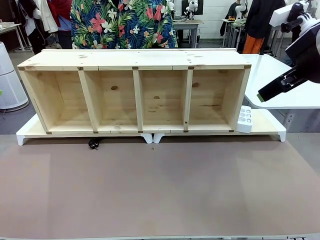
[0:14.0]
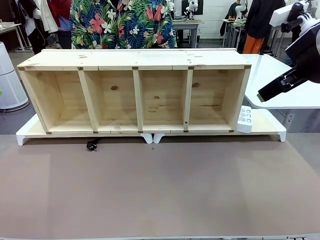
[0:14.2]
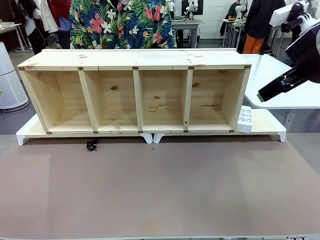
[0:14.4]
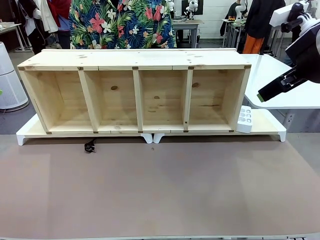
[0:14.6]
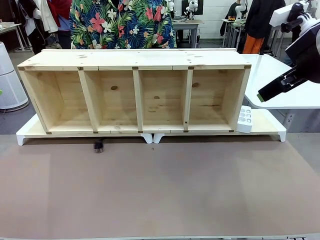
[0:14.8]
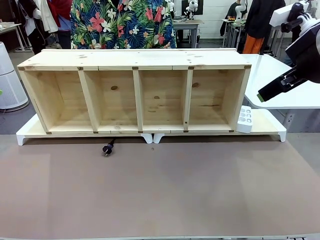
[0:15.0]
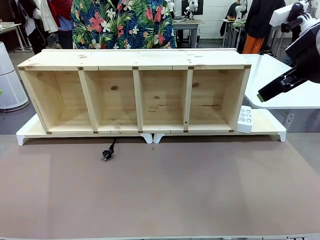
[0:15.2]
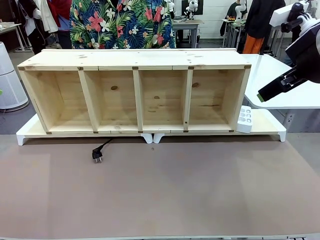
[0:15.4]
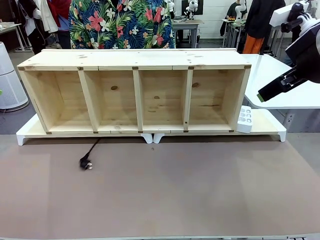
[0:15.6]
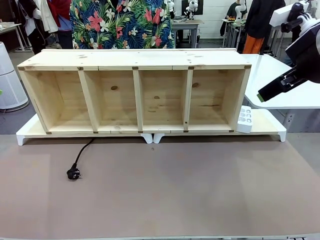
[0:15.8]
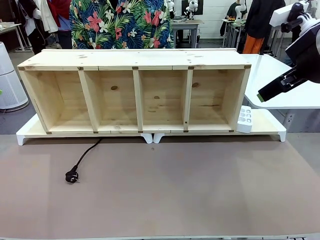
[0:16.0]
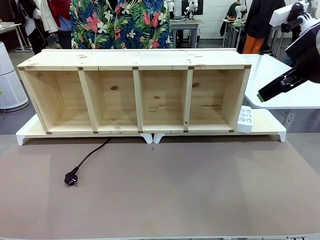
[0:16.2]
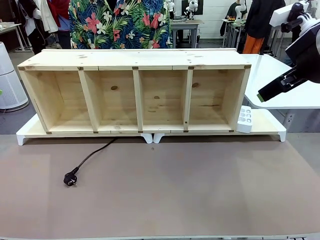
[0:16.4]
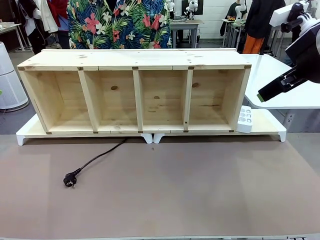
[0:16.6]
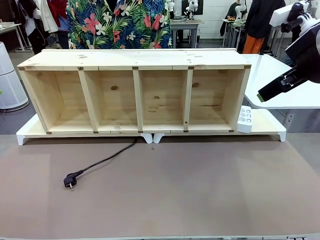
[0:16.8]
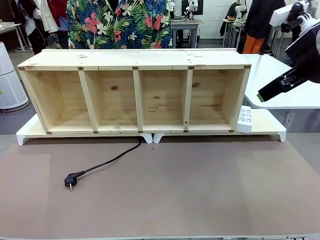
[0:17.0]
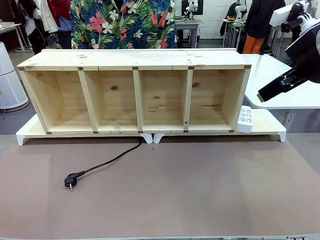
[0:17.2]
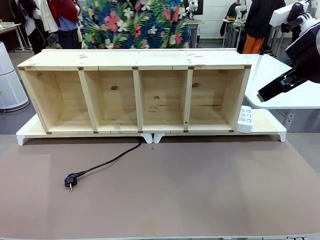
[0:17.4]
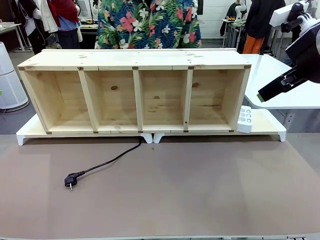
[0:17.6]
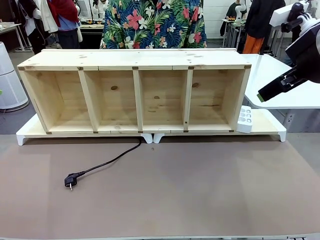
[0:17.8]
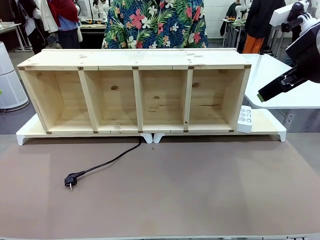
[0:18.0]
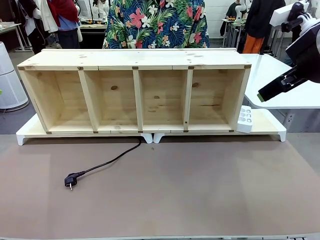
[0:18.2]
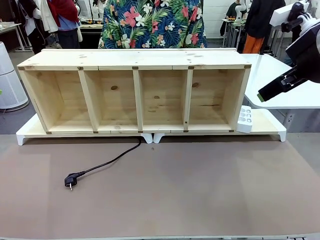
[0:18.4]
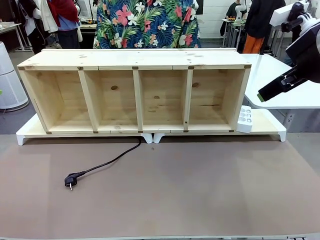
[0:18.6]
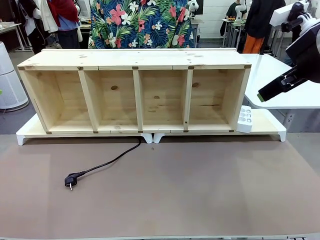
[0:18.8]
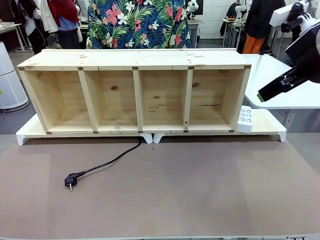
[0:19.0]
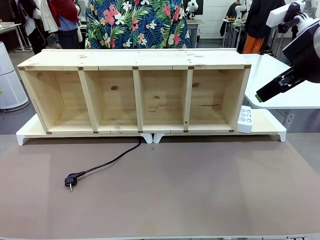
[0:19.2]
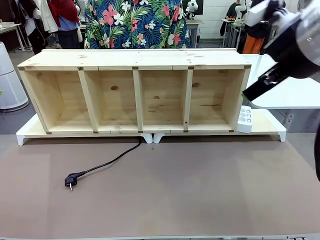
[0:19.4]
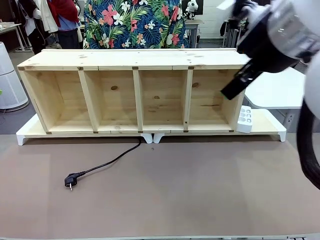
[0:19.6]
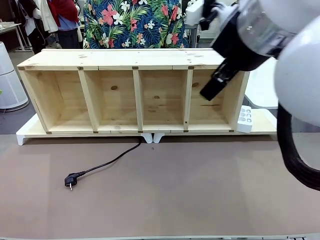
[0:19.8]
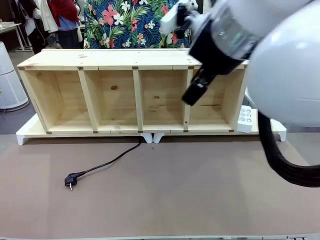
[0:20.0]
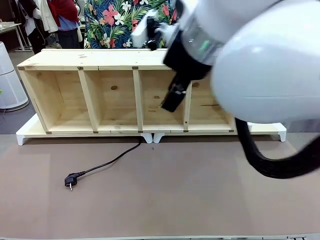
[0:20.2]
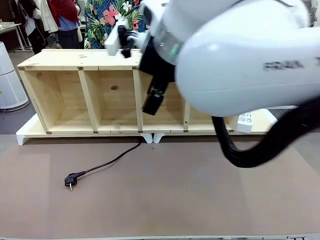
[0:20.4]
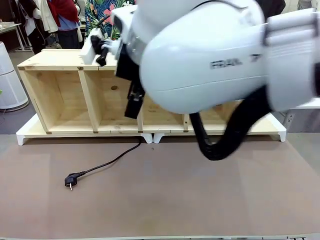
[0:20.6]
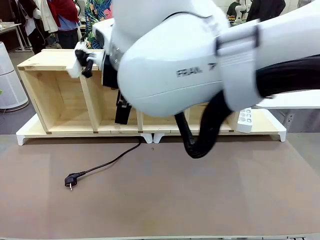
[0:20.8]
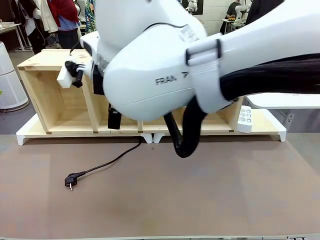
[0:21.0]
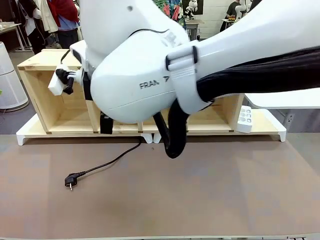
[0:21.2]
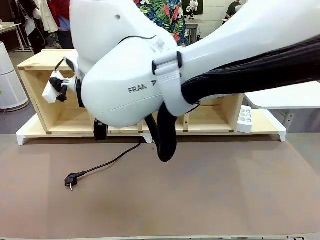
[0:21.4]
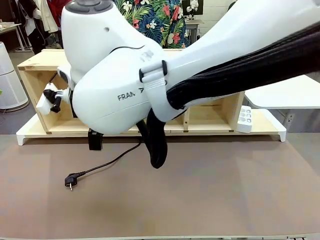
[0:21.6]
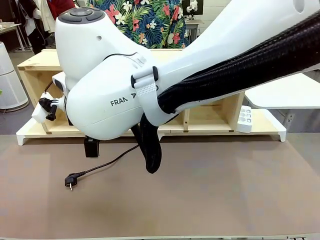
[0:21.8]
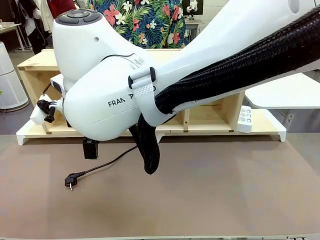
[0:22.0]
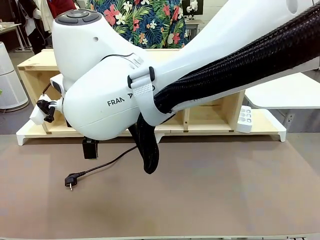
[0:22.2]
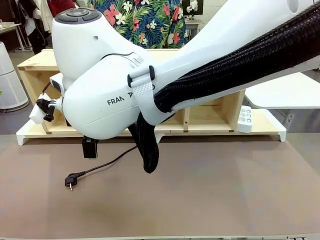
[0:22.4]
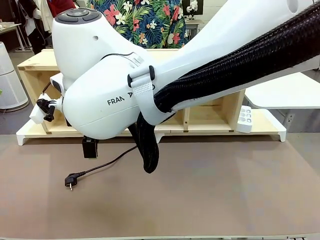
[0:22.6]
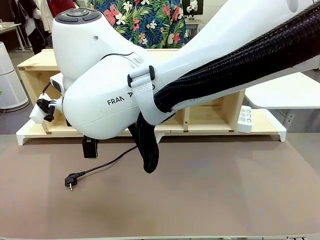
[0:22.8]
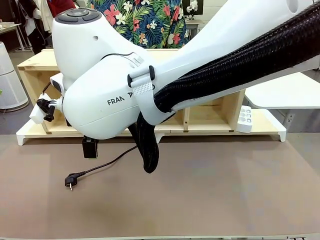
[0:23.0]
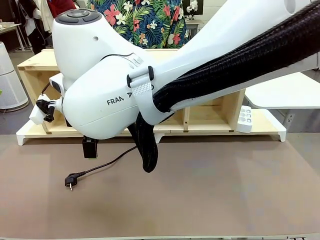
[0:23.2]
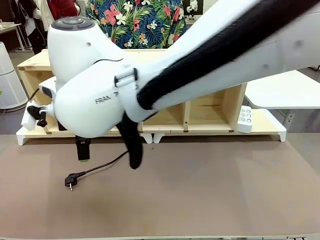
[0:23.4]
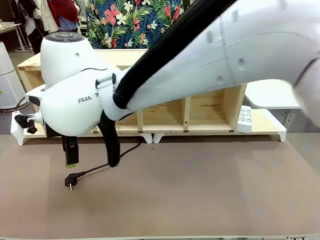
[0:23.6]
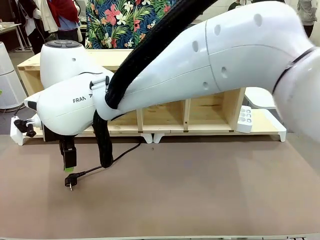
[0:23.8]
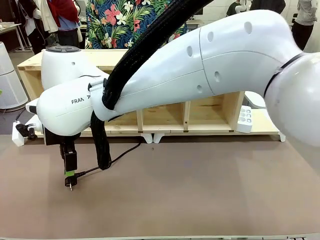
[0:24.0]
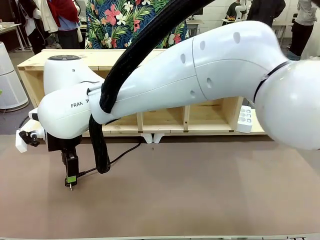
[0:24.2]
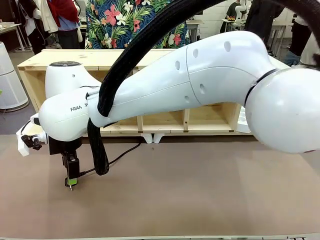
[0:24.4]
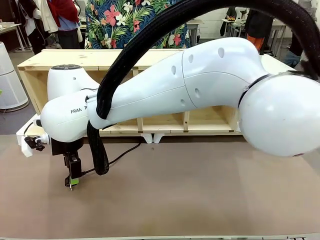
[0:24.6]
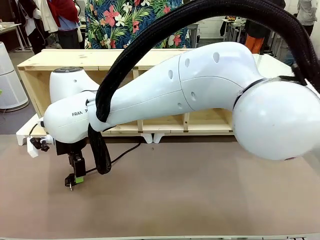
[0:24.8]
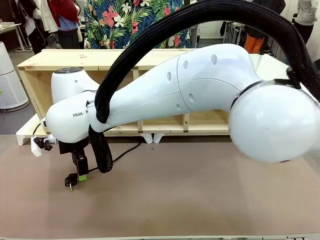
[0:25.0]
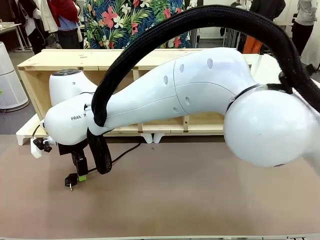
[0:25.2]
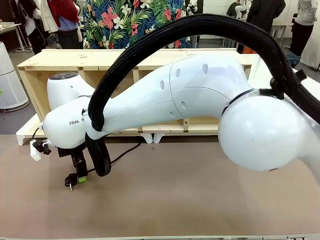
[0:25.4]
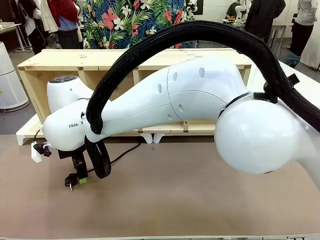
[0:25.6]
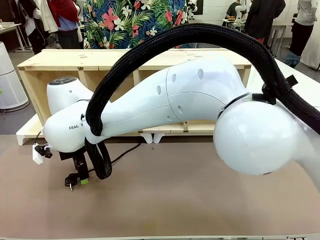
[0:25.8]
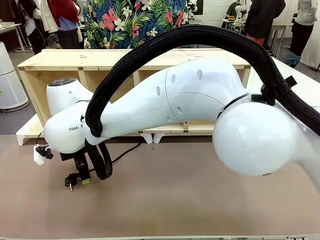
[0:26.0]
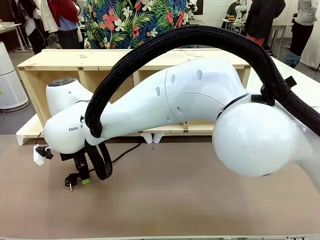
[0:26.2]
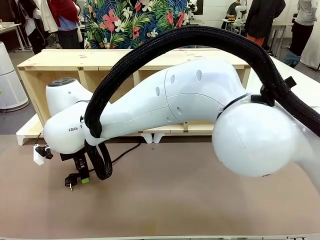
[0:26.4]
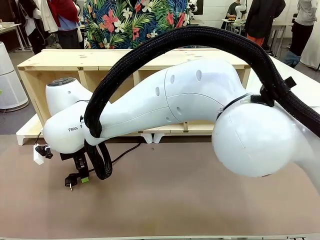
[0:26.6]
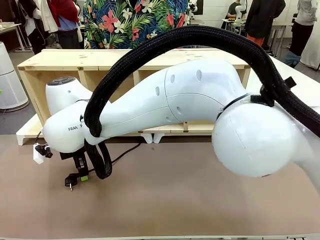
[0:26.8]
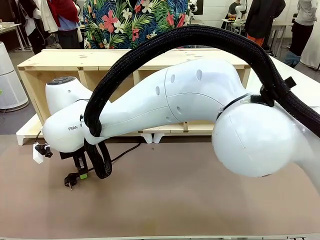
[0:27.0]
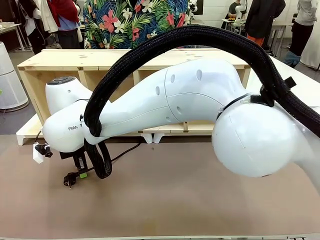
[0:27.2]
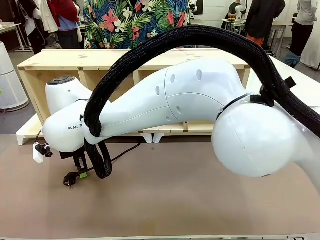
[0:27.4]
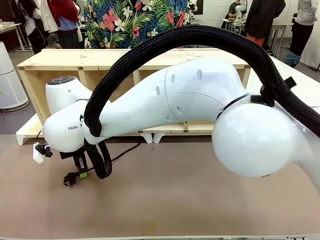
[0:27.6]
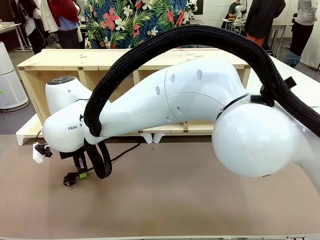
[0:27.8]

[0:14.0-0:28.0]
Task: Perform cable management.
Robot: When the cord part of the Power Cable appears at the lower middle area of the table and stops, grasp the cord part of the Power Cable.

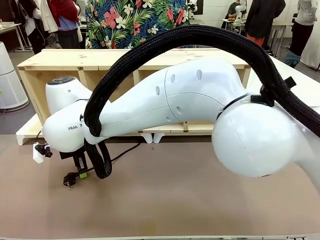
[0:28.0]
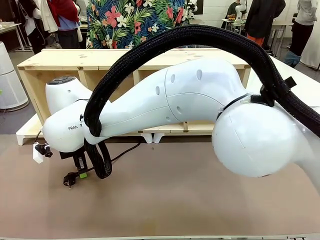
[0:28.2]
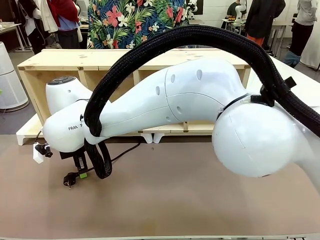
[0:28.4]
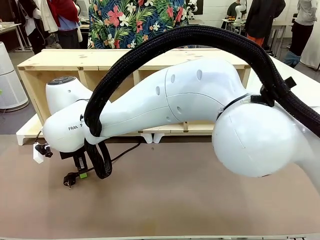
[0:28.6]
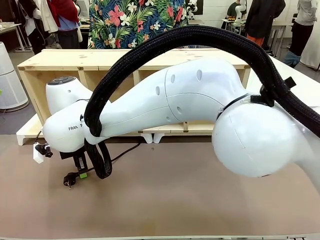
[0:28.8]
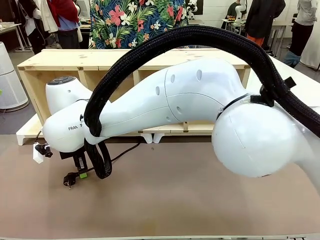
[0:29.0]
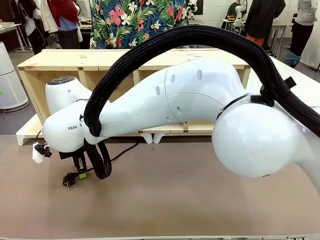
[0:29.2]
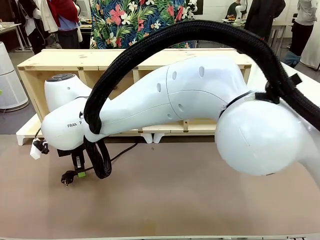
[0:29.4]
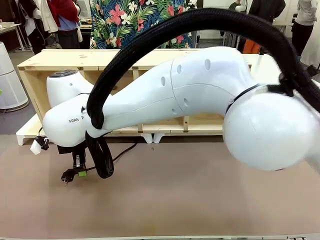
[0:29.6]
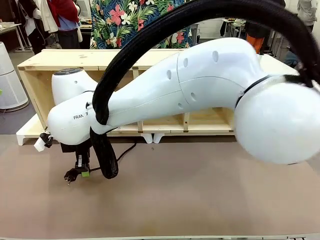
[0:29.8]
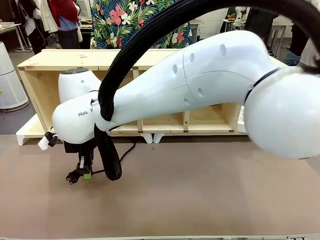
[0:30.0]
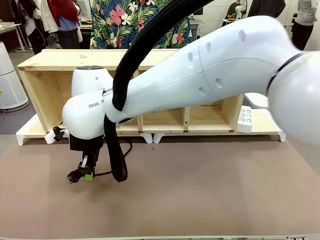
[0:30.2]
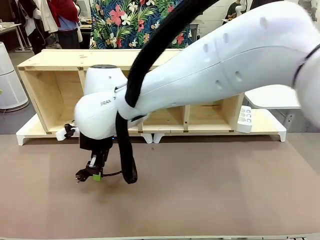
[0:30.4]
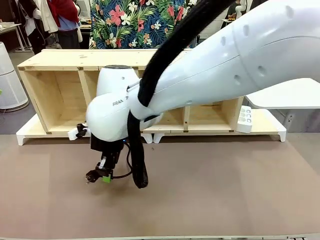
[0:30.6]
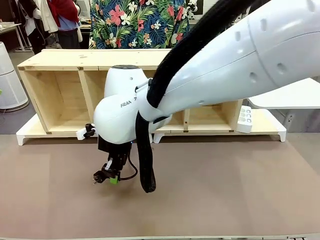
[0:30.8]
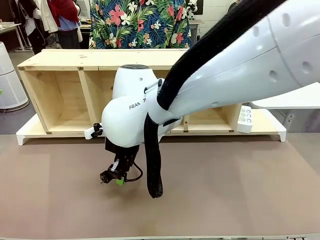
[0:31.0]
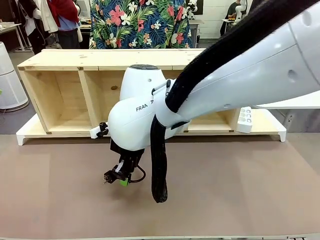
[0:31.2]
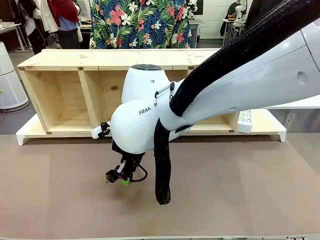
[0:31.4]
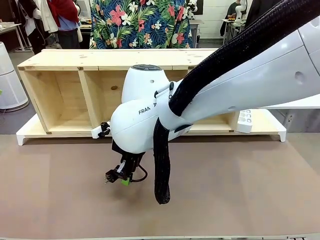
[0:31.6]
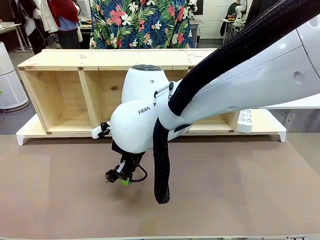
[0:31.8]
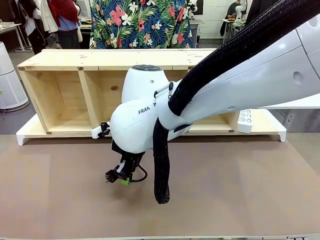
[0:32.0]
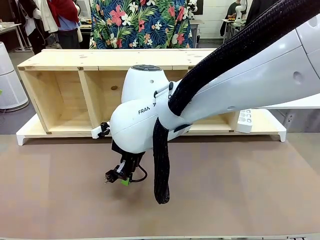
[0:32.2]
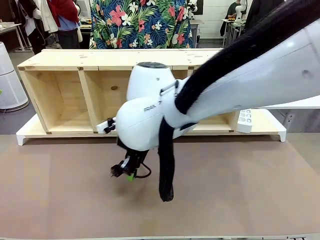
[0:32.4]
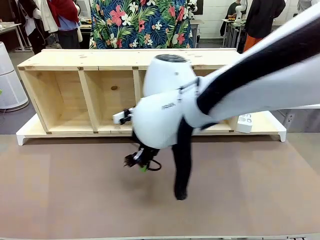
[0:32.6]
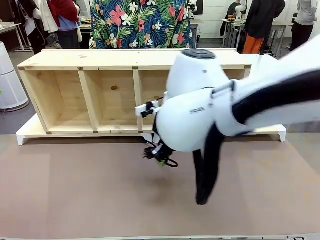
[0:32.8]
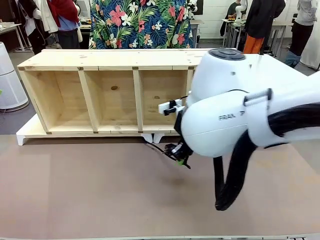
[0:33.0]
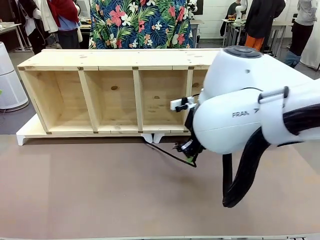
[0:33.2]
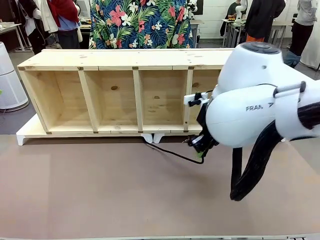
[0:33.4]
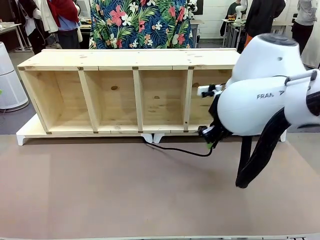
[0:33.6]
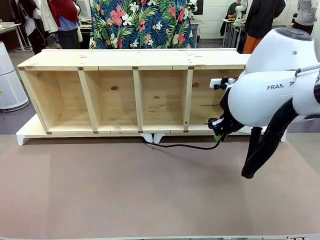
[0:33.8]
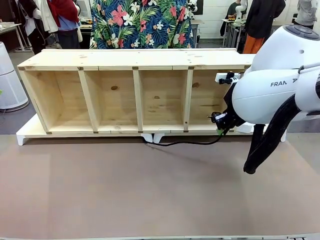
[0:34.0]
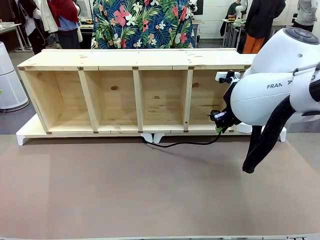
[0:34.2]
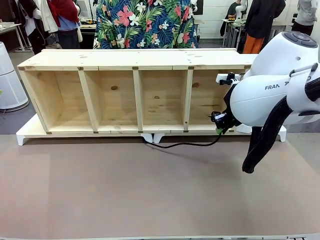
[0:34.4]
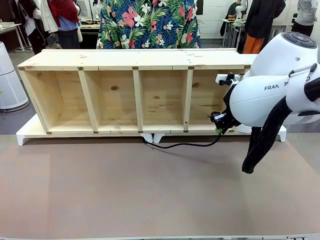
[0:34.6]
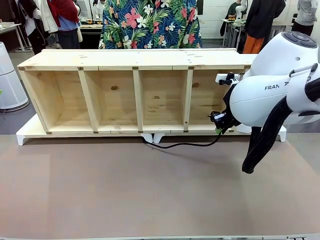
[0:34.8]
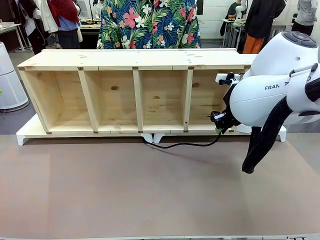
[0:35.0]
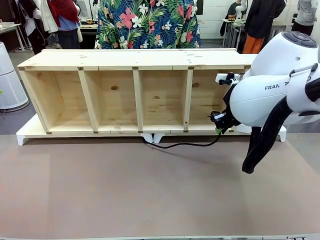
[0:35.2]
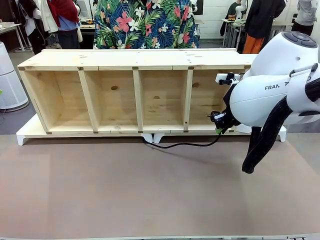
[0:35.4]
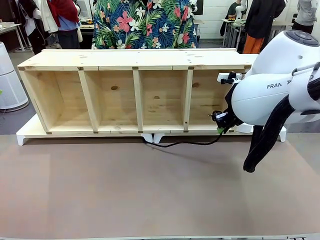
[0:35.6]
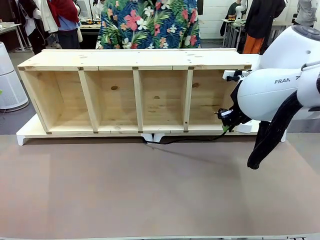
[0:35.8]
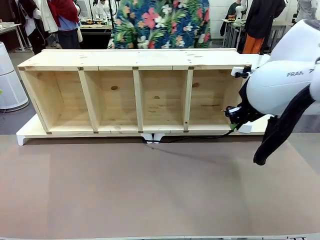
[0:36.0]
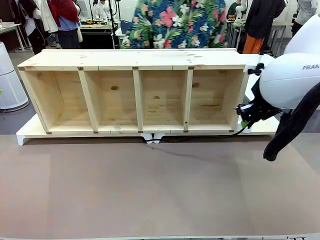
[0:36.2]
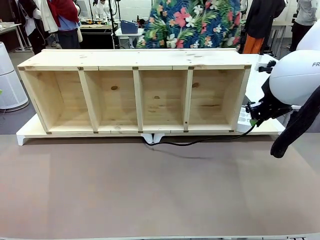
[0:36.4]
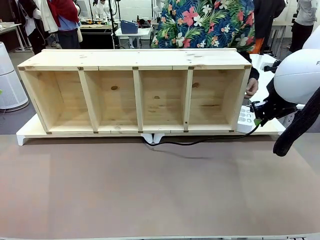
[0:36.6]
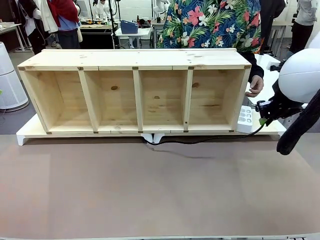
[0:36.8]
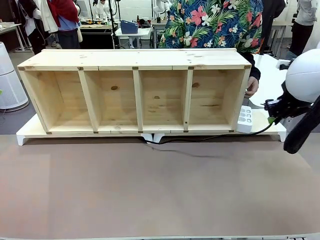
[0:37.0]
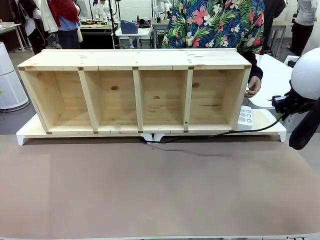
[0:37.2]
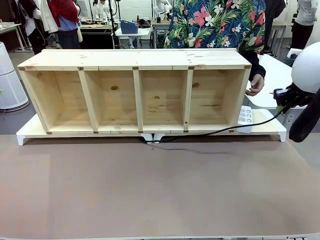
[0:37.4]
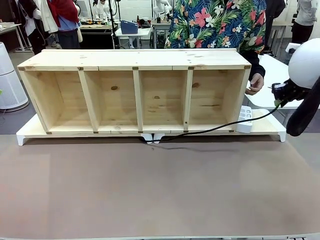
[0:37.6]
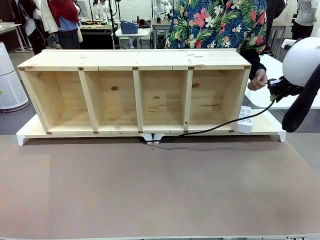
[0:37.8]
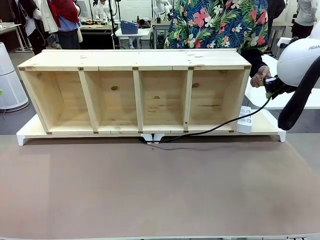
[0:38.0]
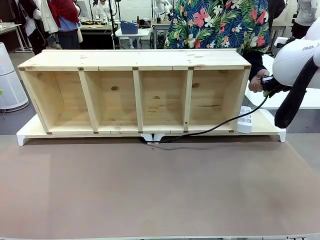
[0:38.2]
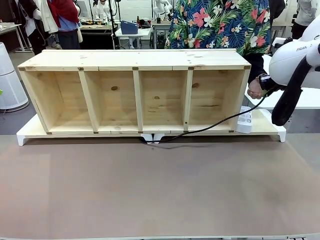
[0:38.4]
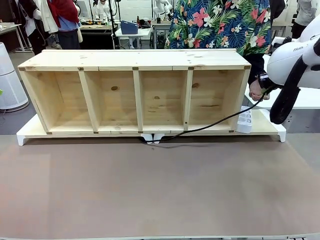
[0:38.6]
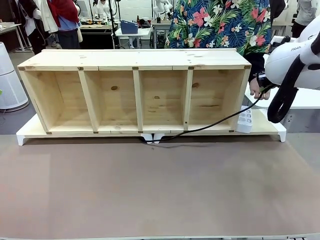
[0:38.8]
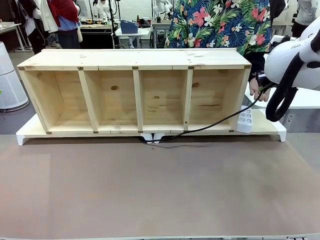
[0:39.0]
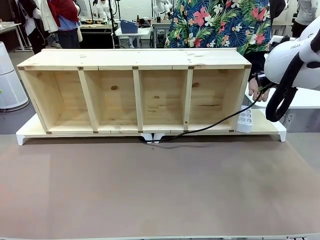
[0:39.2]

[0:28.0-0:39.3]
Robot: Pull the grasped Power Cable to the location of the Power Strip.
